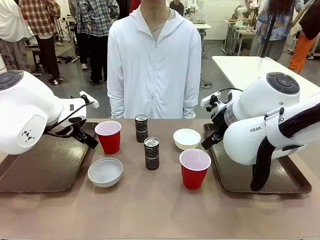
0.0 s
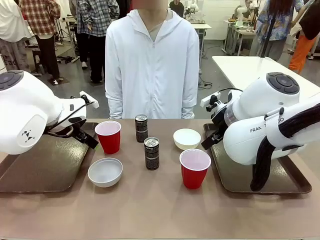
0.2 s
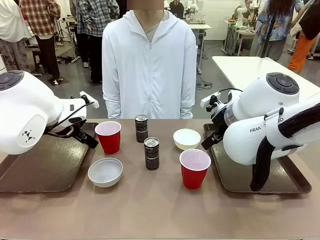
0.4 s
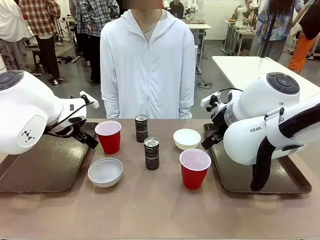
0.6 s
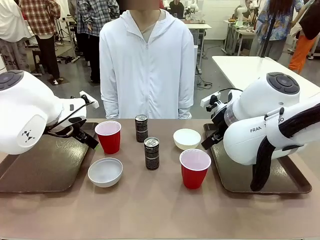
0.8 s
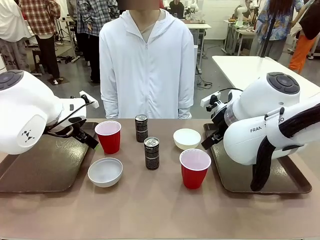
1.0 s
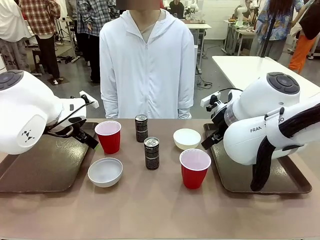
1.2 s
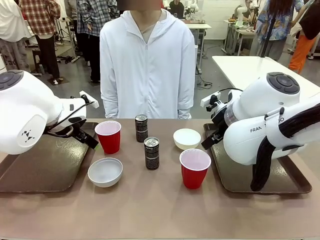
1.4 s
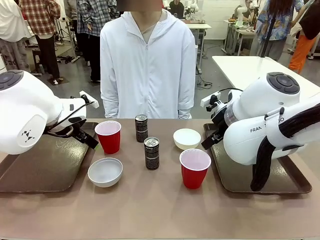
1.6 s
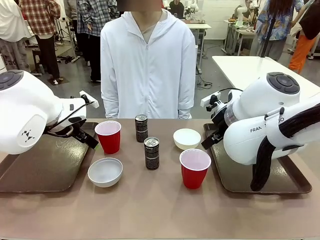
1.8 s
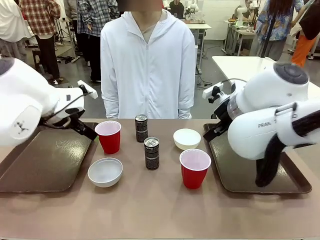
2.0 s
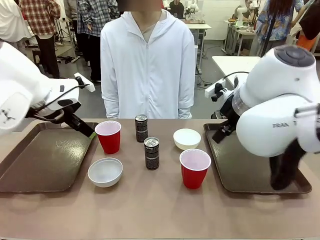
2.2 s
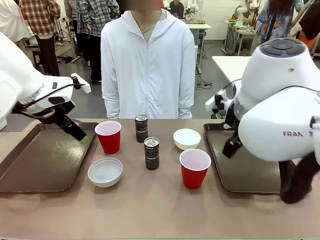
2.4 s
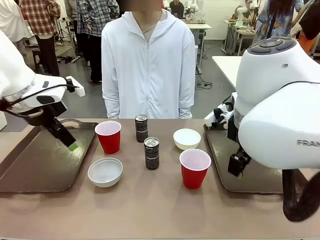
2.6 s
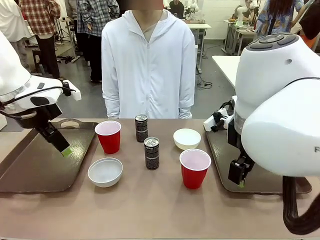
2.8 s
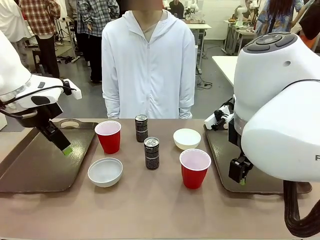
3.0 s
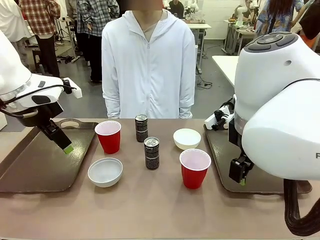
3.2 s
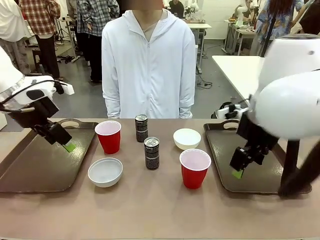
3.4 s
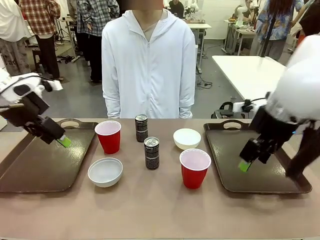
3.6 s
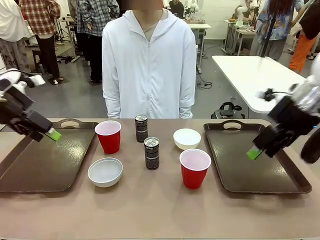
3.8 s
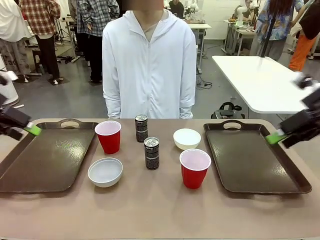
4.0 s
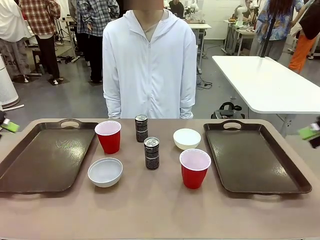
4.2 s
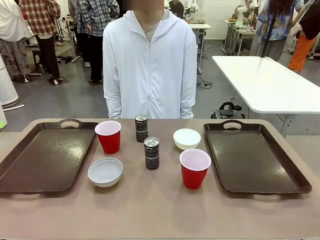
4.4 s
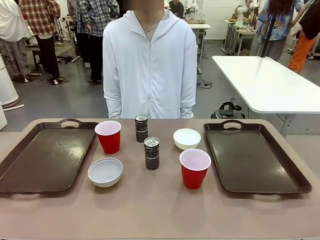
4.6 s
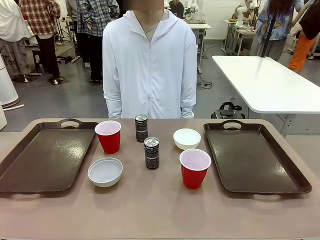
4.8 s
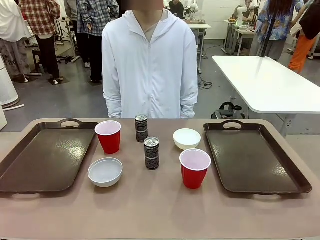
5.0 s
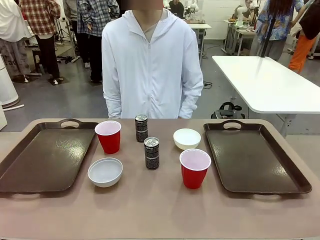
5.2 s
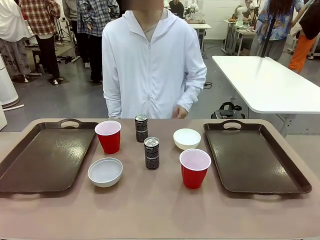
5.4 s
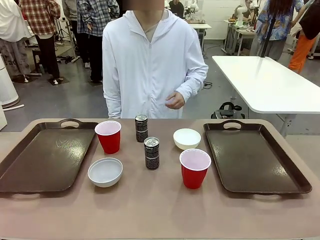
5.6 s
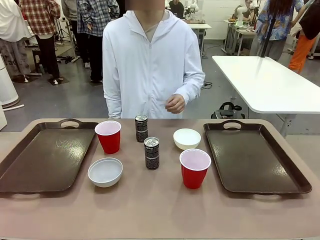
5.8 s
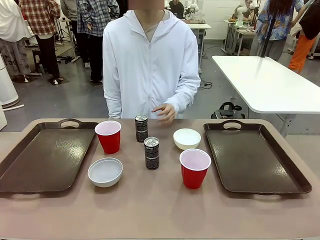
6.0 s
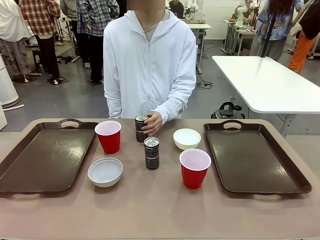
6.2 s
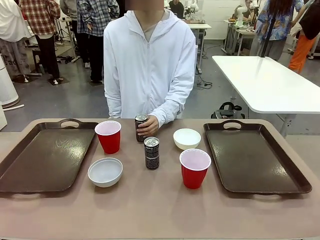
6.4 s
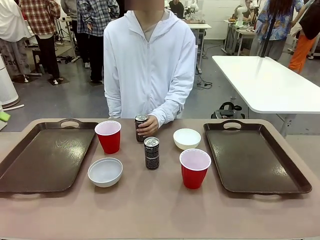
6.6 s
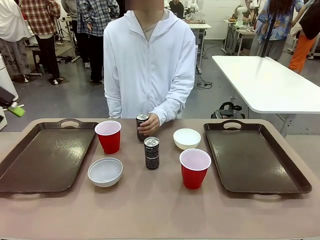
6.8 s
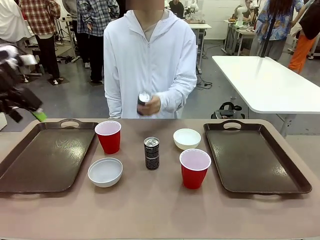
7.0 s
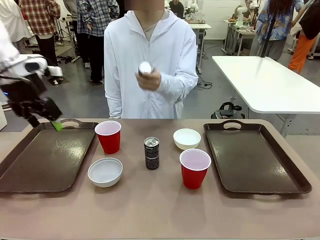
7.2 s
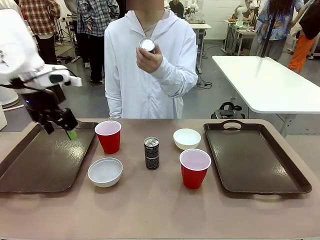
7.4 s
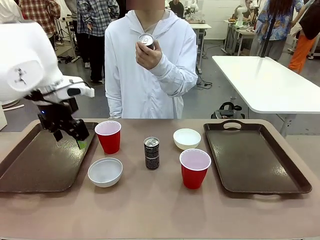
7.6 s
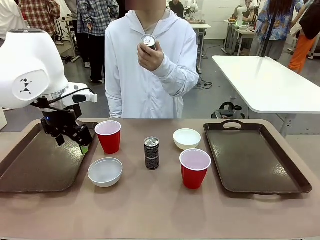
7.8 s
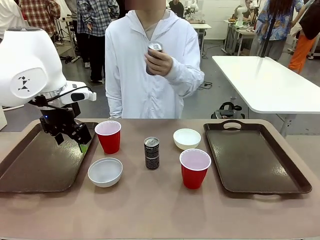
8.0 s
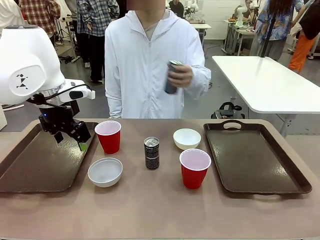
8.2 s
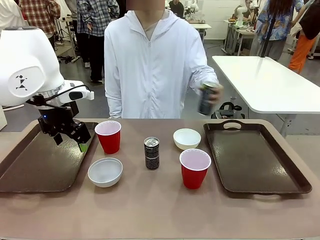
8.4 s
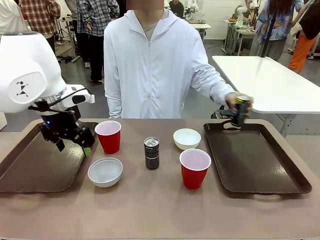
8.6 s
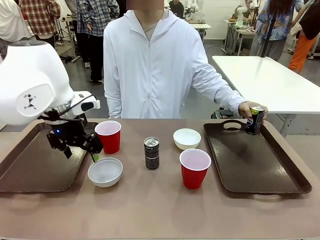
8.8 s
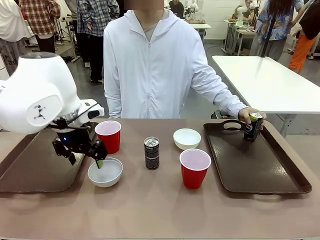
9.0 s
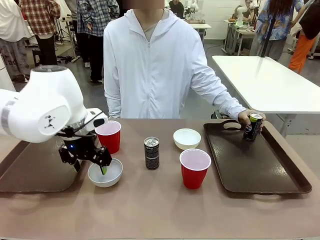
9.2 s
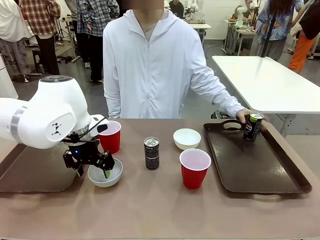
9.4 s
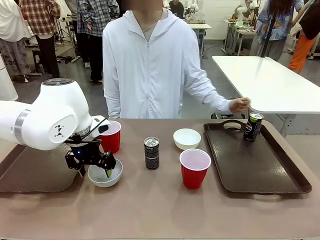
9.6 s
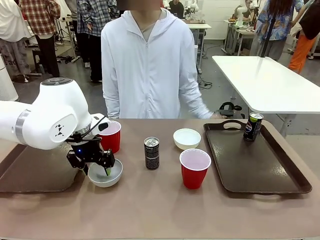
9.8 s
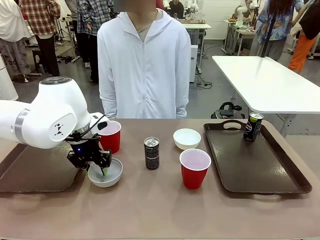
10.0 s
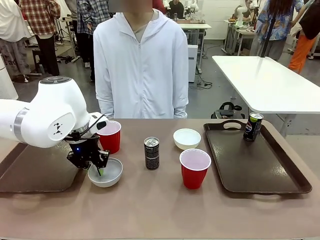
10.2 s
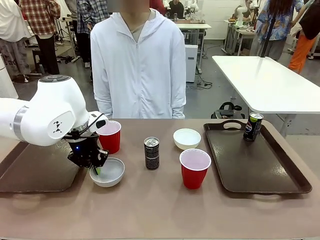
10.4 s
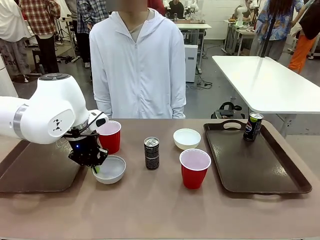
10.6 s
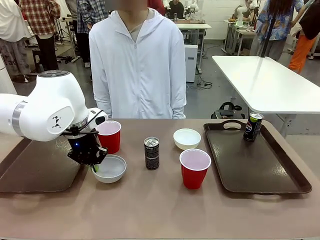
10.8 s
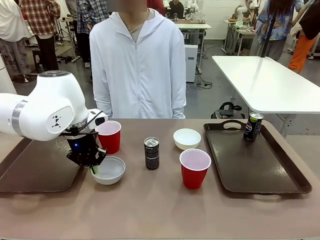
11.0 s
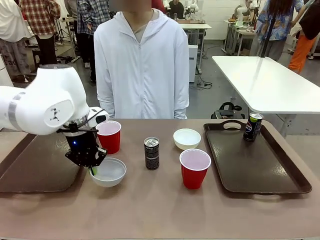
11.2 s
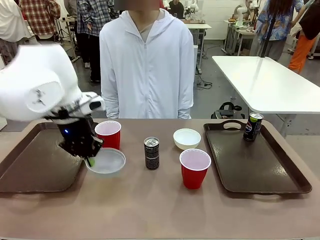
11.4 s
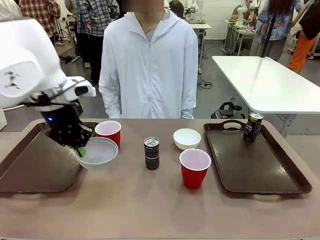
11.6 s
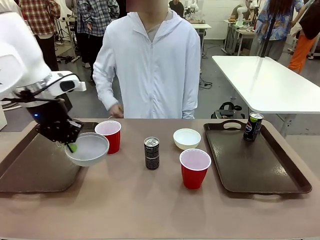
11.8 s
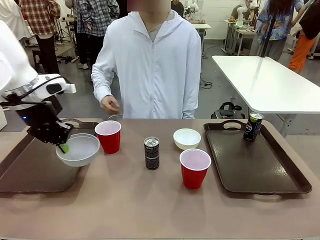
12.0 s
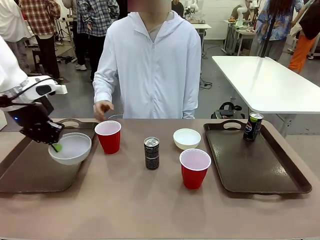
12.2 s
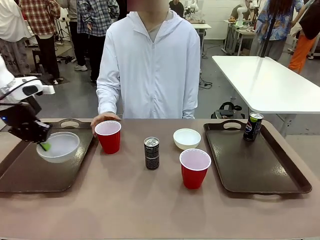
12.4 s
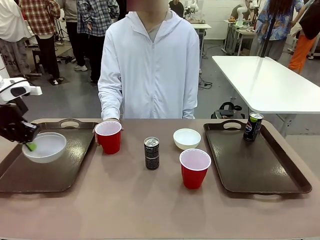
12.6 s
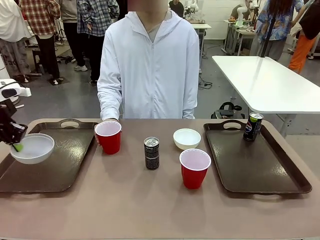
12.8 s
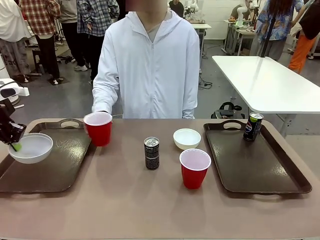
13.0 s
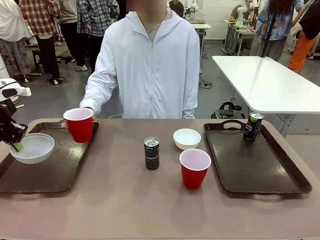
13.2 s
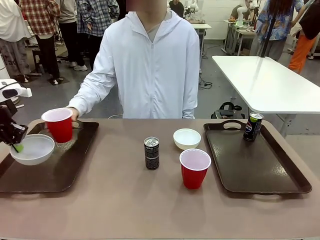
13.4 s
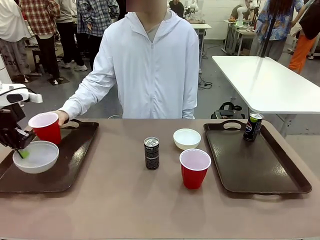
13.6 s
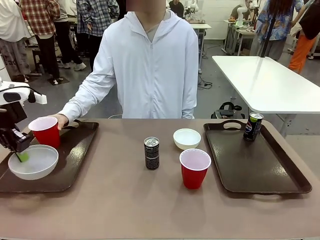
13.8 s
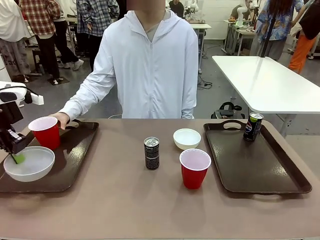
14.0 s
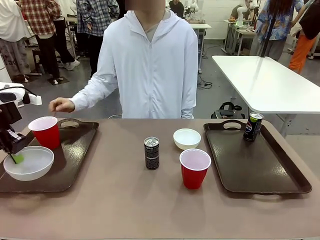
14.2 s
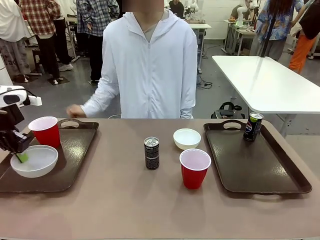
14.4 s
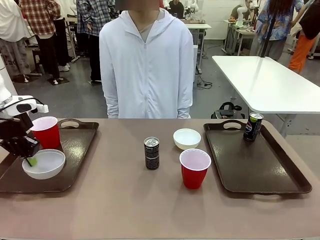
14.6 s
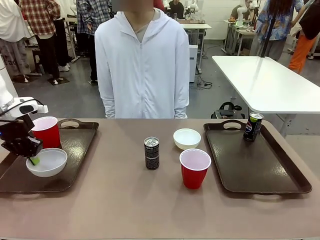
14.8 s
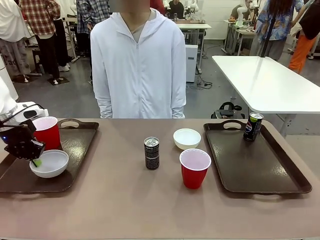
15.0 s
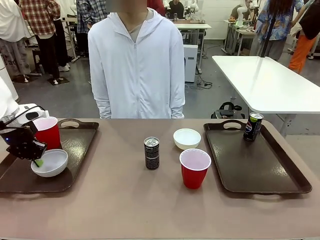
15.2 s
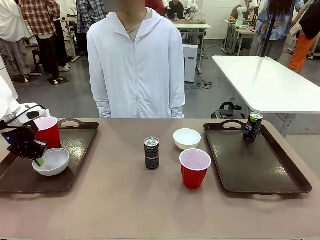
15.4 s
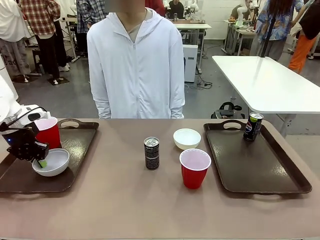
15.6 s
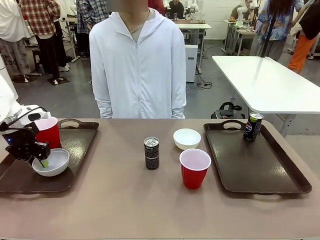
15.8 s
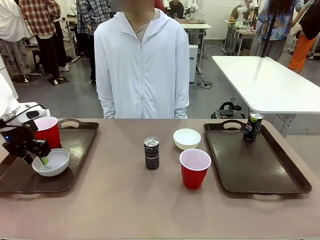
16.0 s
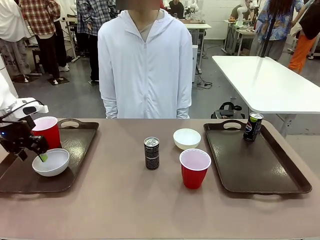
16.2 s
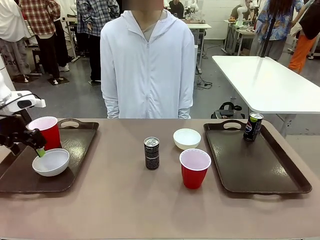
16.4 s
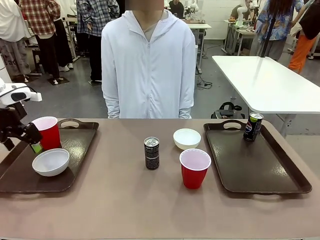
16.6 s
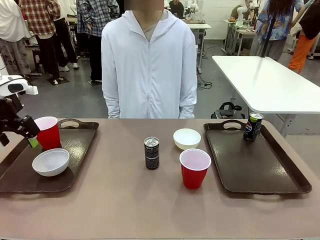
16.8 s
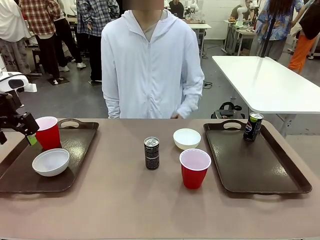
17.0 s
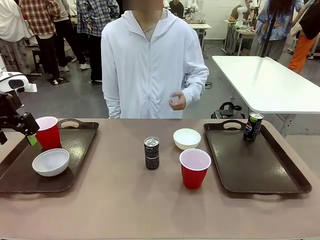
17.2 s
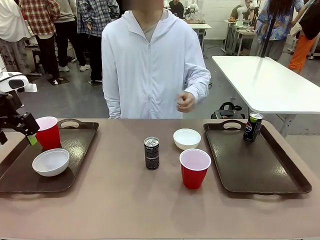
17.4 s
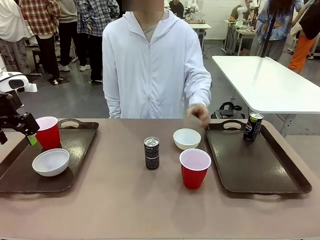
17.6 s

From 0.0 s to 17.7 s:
Task: Prepare tableware on both trays.
Robot: Pick up a Picnic Bowl from the table and place it on a Handle tray.
Person: Pick up a can or cup and place it on the tray.
